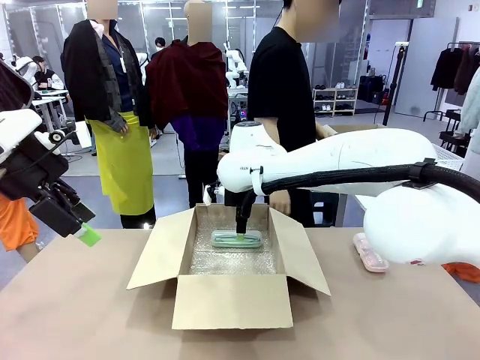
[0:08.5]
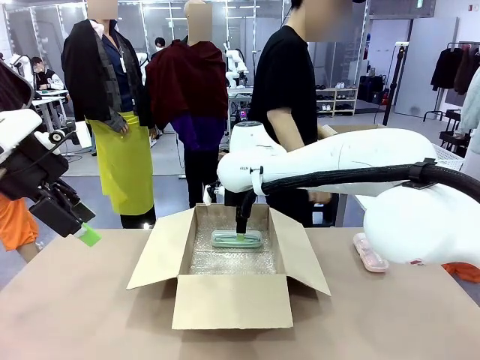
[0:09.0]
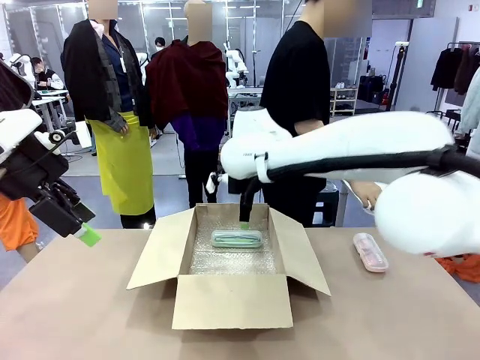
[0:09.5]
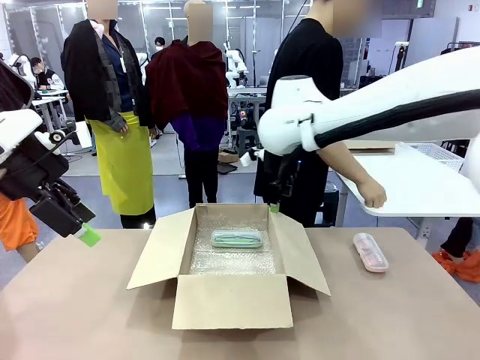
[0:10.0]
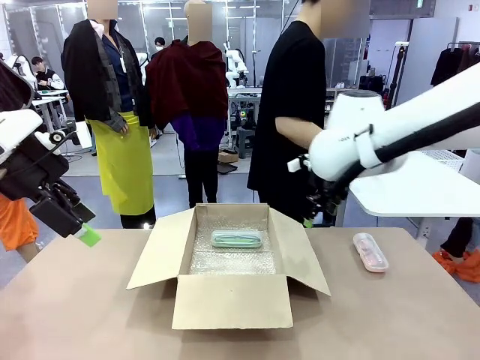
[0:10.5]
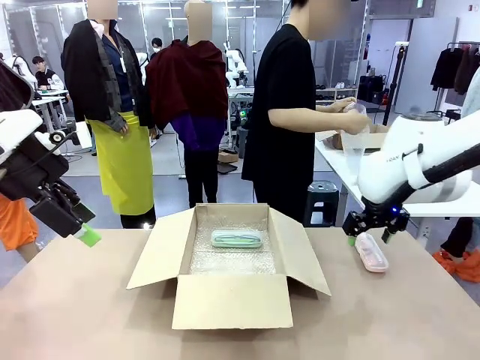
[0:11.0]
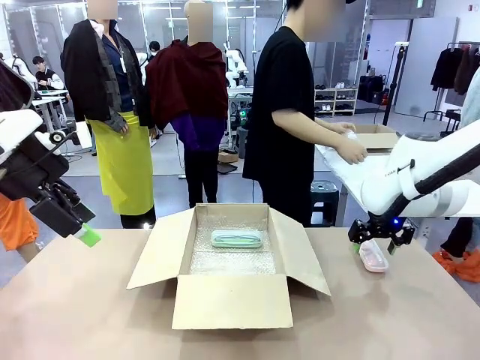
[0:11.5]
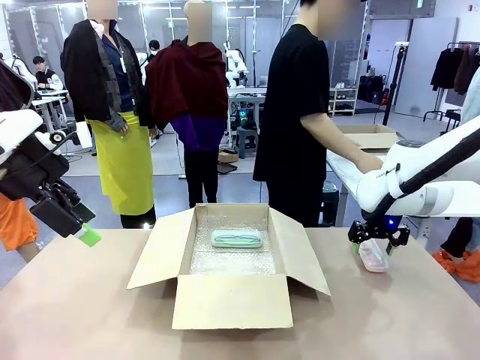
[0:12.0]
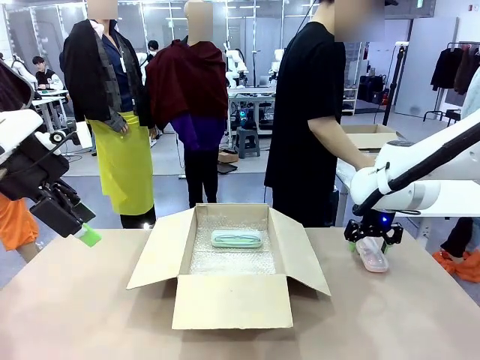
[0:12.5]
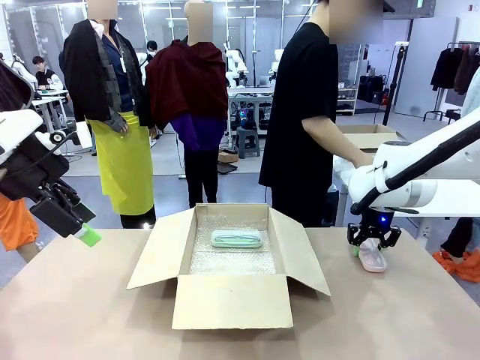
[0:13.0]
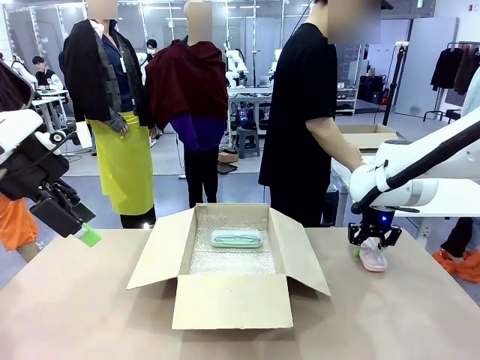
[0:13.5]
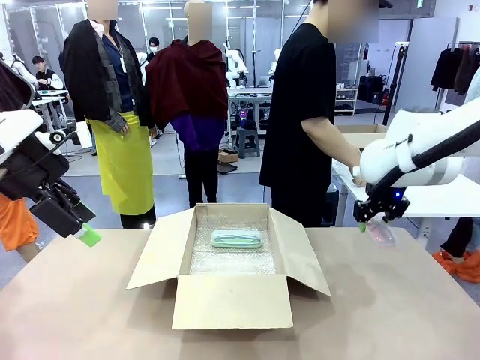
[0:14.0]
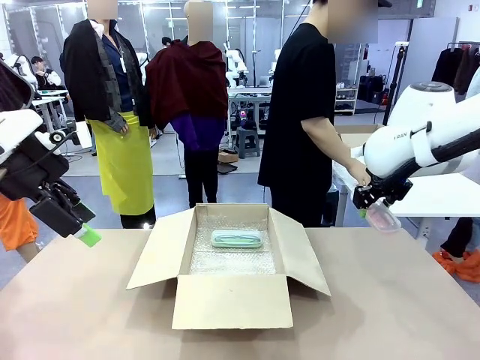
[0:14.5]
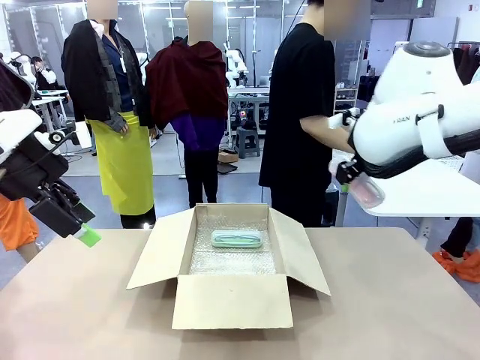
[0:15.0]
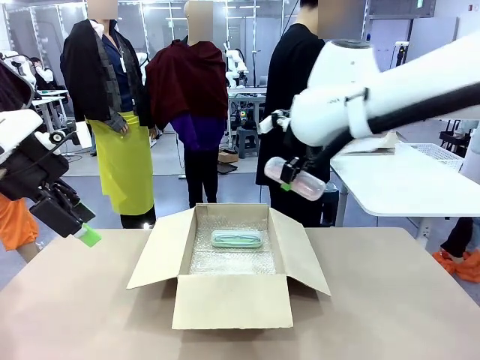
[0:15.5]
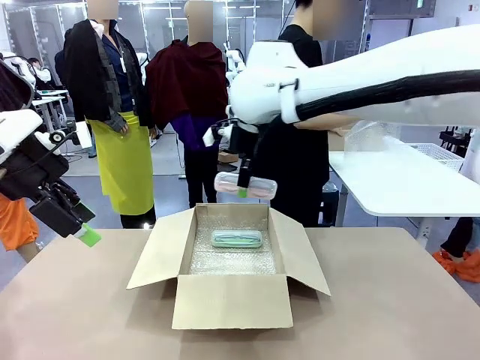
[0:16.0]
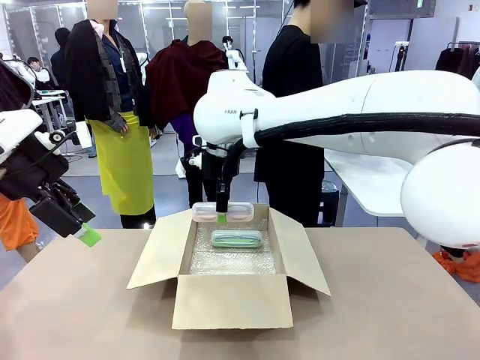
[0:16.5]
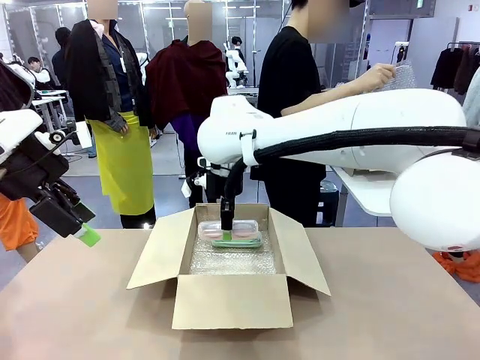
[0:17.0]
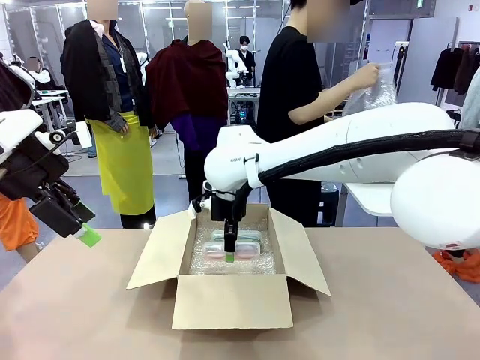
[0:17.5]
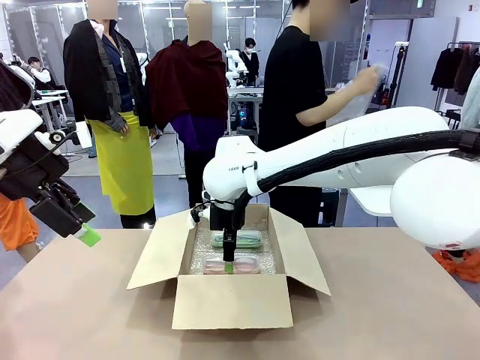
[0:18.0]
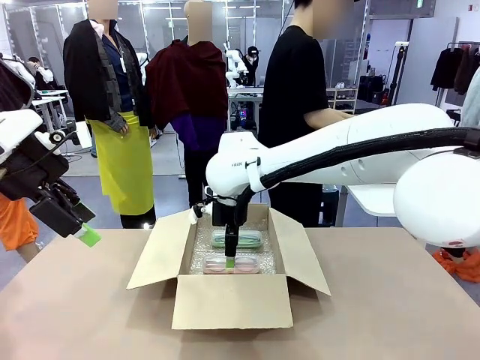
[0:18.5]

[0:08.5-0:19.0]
Task: Pack the glasses set securely to prepare it for shipping.
Robot: Put the Glasses case from the right side of the table into the Package Box.

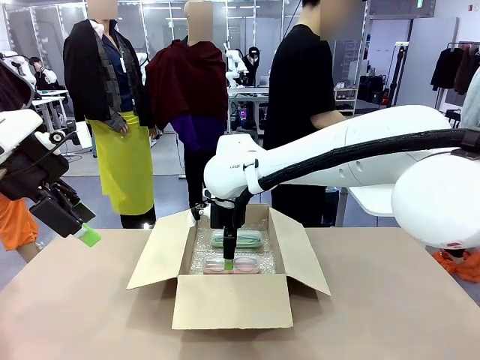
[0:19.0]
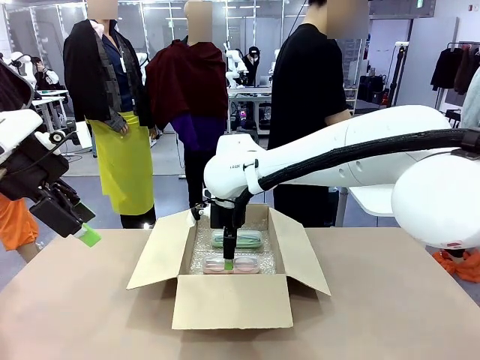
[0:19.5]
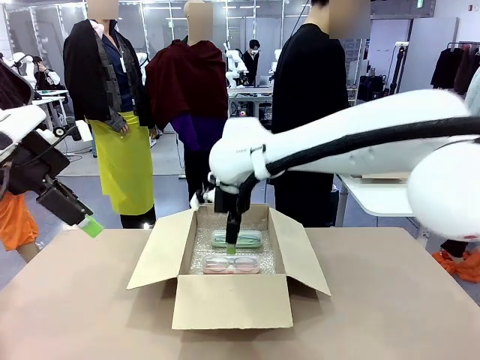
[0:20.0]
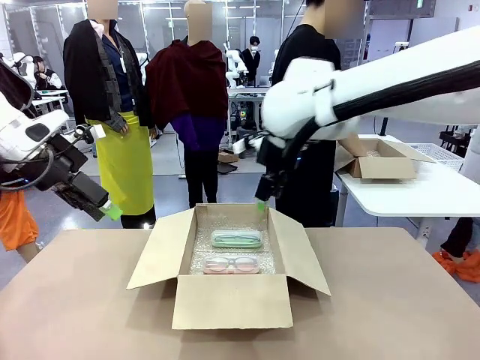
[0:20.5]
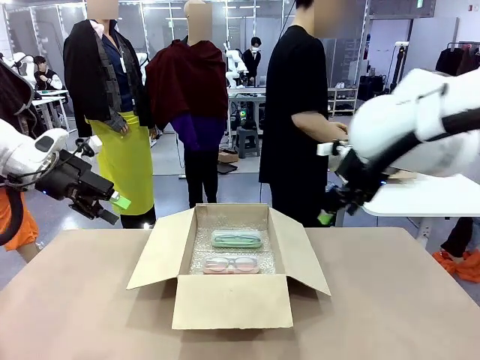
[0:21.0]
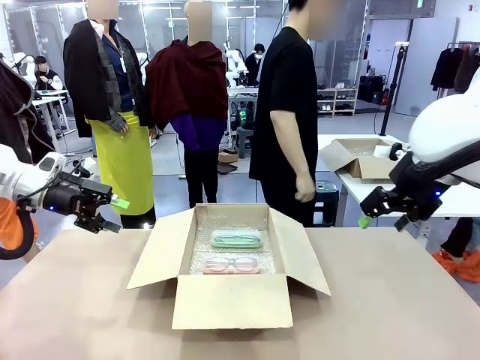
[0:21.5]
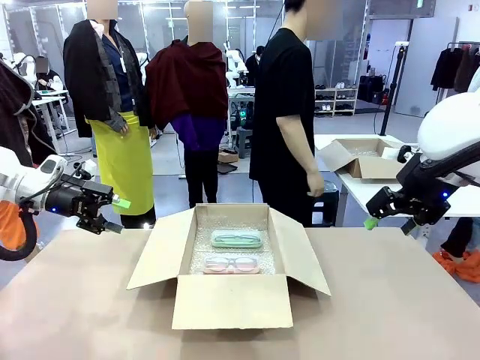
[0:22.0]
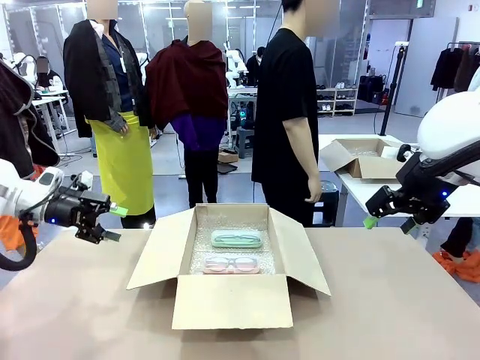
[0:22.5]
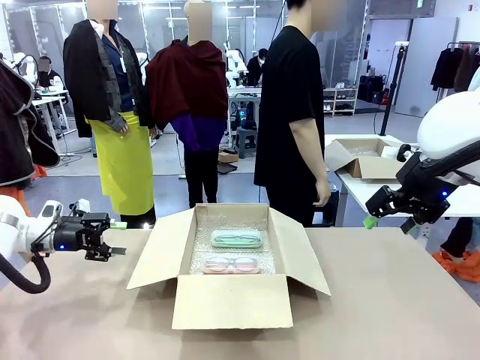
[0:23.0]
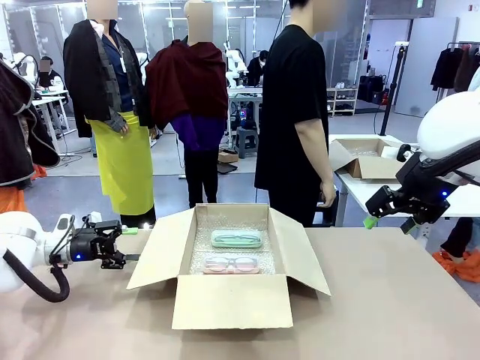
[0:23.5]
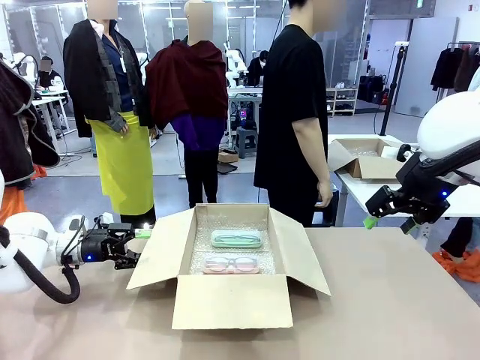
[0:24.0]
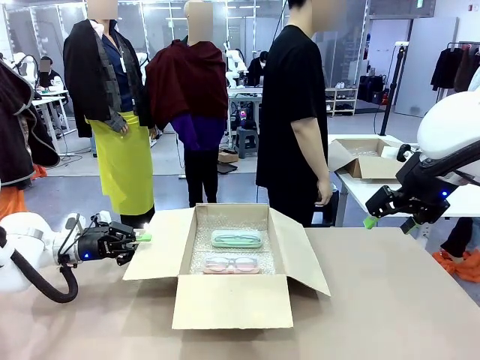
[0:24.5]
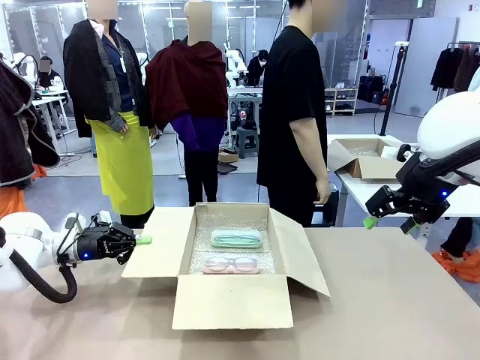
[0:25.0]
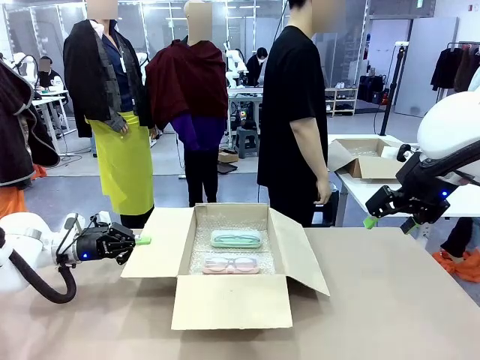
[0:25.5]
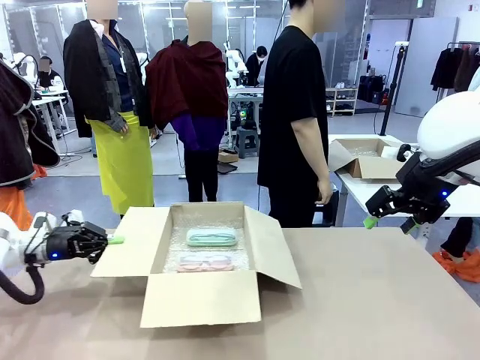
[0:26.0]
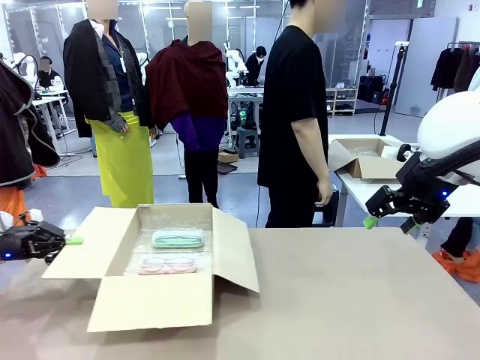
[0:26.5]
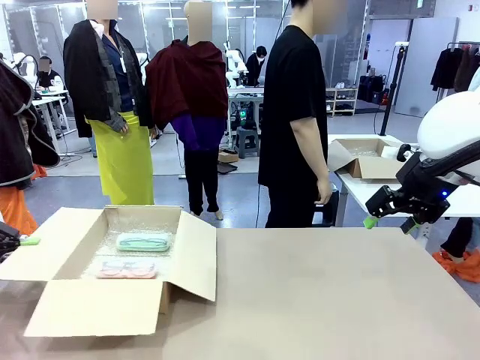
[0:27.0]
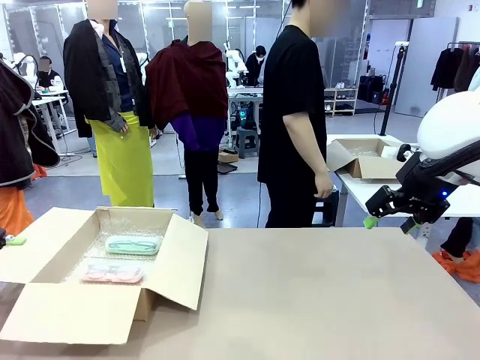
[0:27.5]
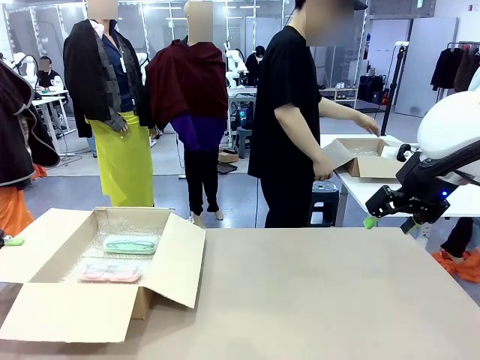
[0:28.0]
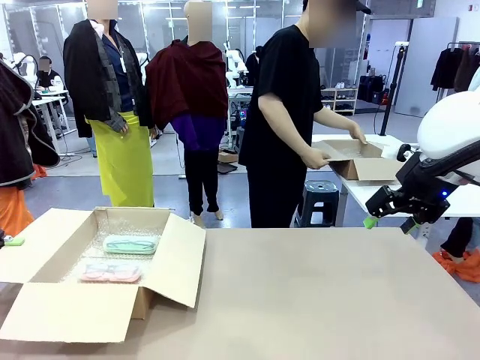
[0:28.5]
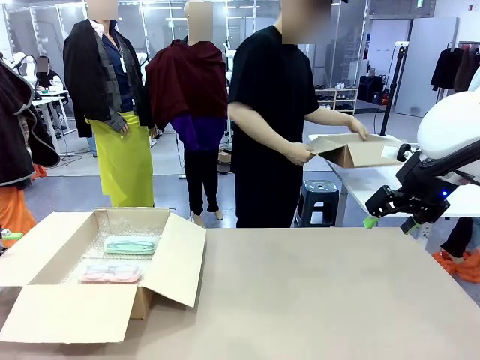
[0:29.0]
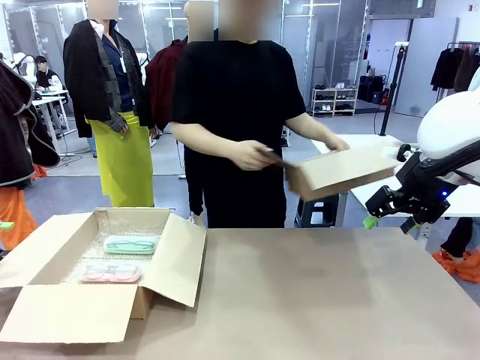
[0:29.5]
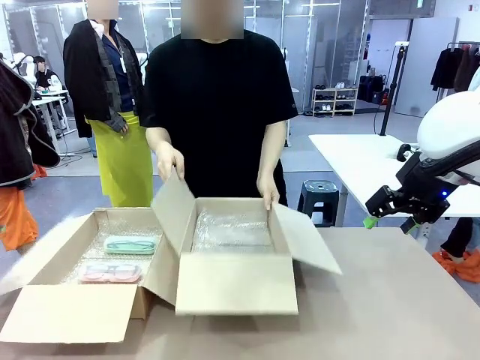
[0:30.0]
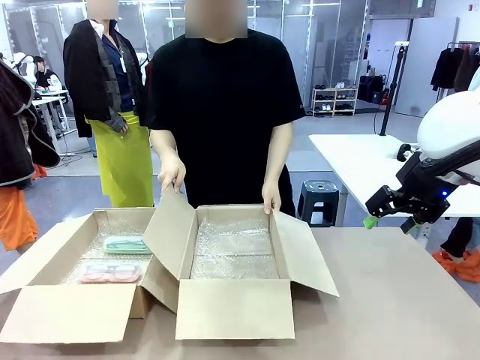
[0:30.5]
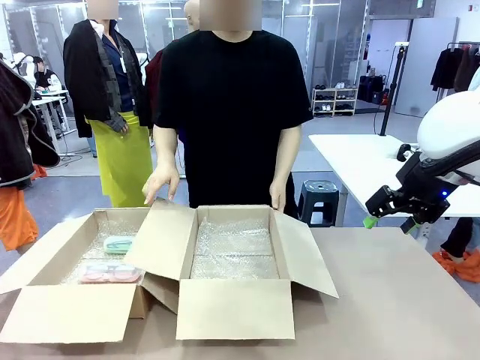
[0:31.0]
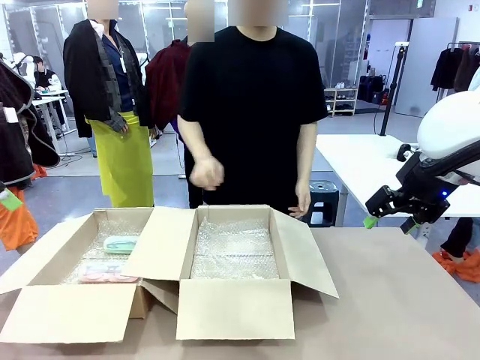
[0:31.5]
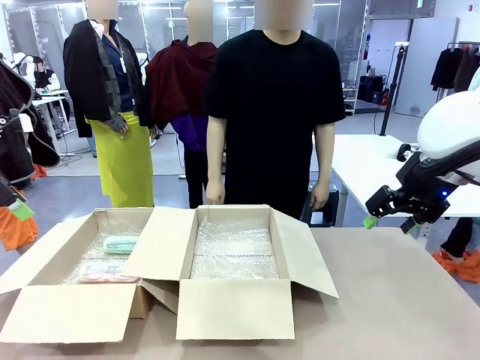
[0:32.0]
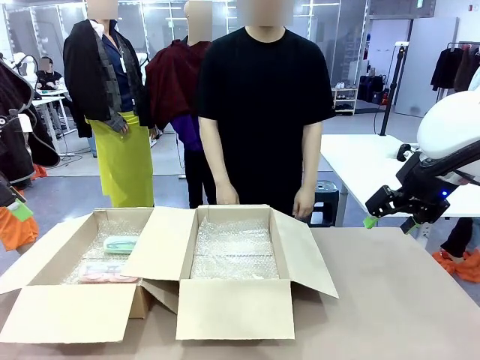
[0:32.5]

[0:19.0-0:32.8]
Robot: Position the Package Box on the left side of the table.
Person: Position the empty Package Box in the middle of the robot's table.
